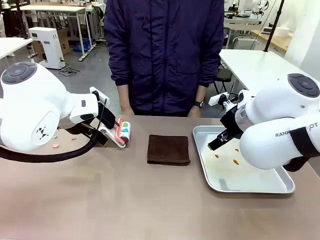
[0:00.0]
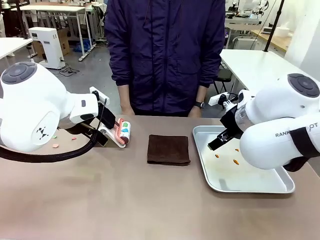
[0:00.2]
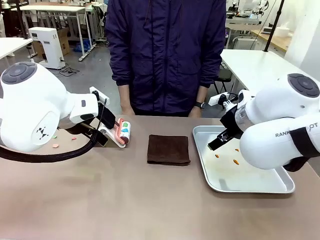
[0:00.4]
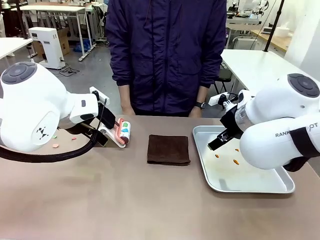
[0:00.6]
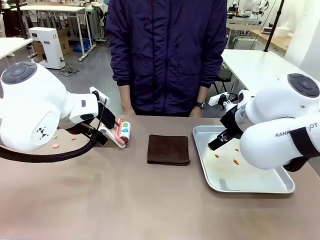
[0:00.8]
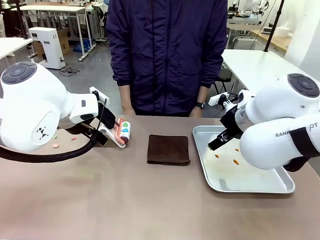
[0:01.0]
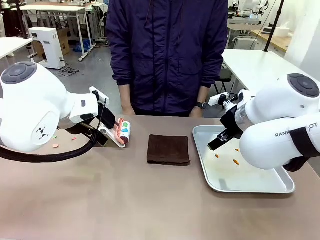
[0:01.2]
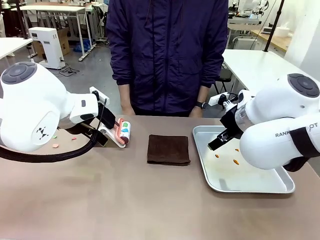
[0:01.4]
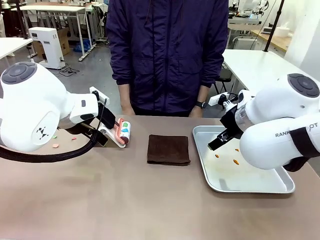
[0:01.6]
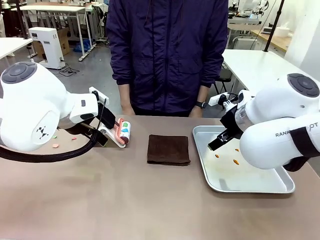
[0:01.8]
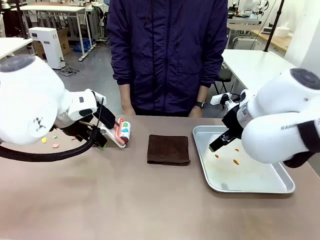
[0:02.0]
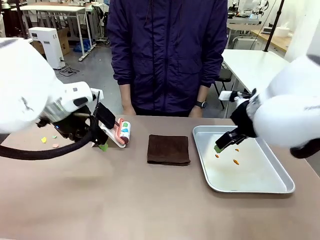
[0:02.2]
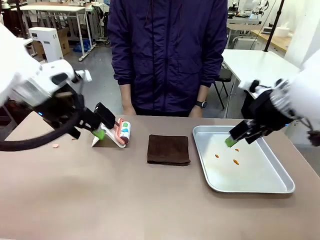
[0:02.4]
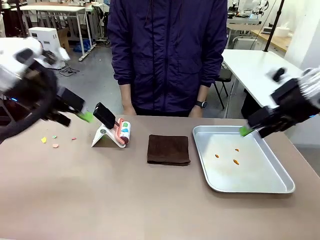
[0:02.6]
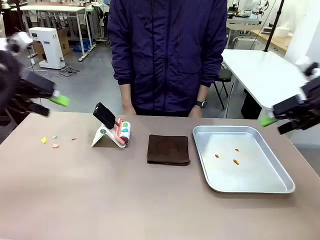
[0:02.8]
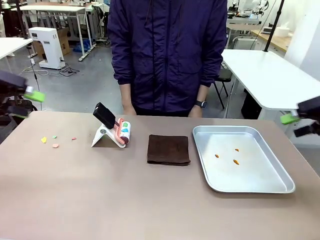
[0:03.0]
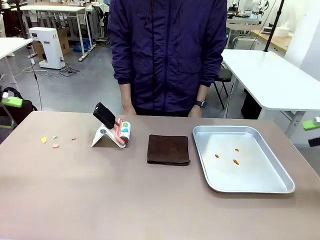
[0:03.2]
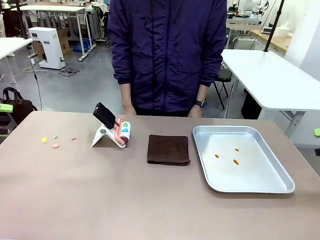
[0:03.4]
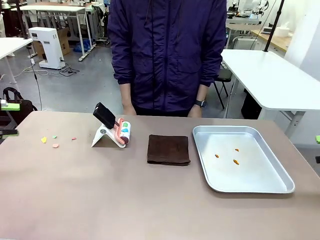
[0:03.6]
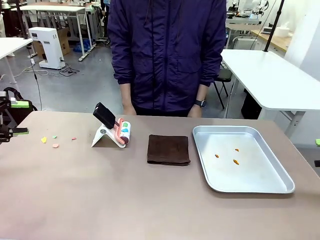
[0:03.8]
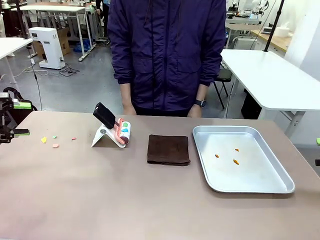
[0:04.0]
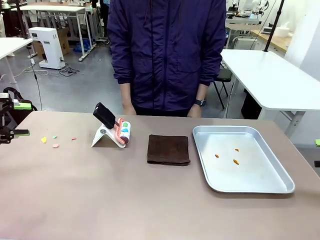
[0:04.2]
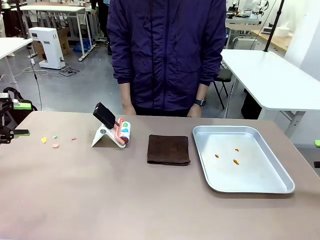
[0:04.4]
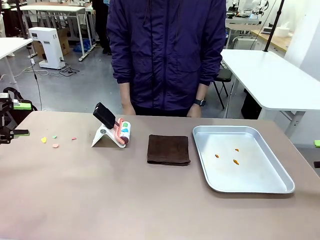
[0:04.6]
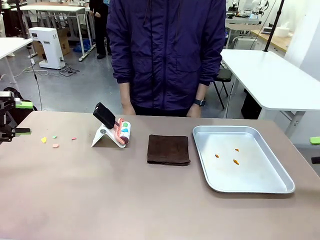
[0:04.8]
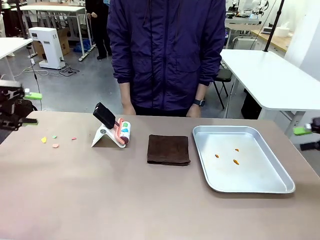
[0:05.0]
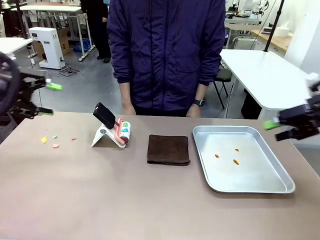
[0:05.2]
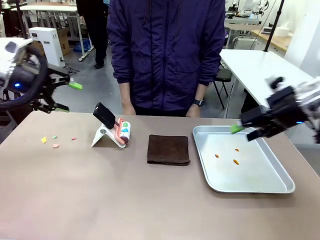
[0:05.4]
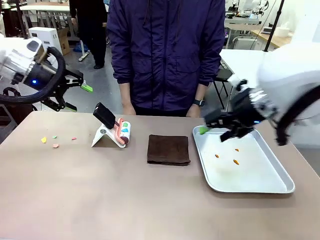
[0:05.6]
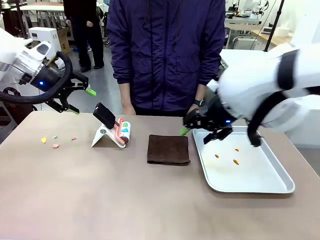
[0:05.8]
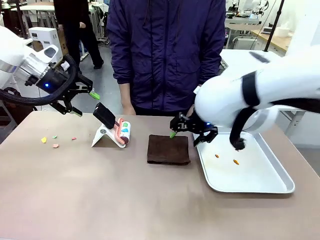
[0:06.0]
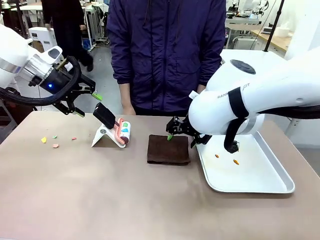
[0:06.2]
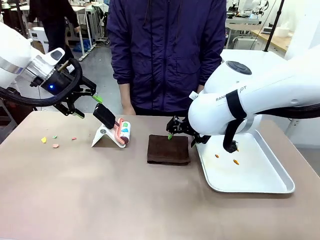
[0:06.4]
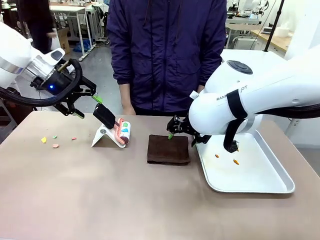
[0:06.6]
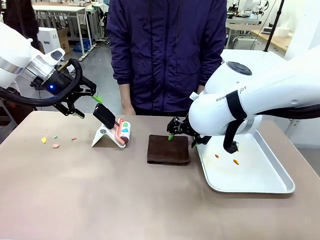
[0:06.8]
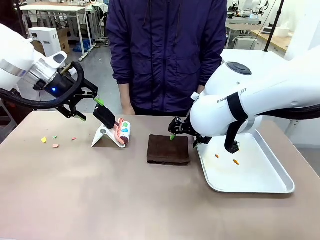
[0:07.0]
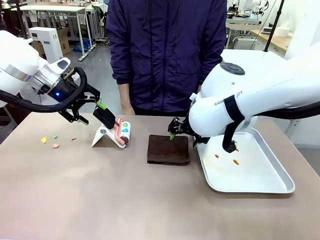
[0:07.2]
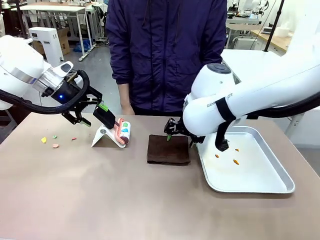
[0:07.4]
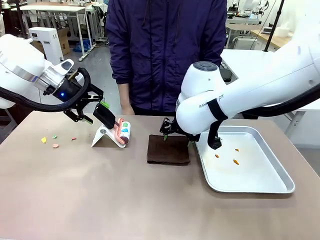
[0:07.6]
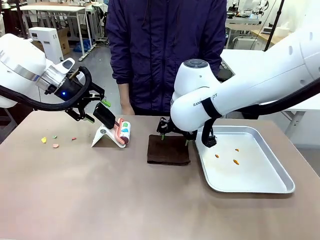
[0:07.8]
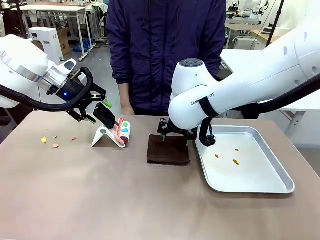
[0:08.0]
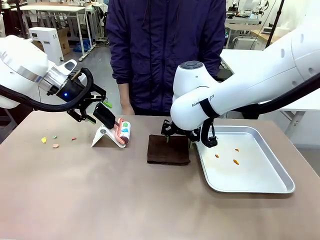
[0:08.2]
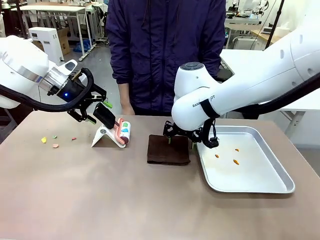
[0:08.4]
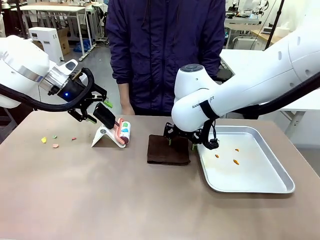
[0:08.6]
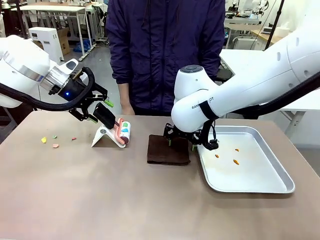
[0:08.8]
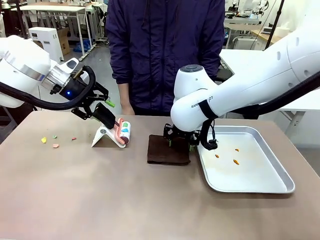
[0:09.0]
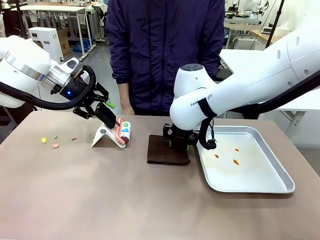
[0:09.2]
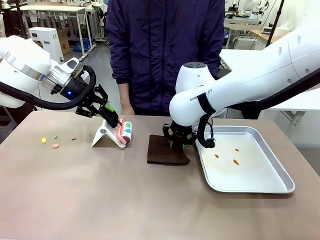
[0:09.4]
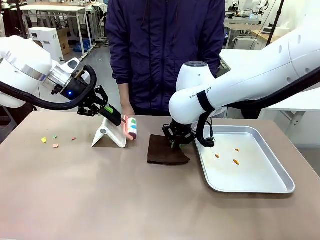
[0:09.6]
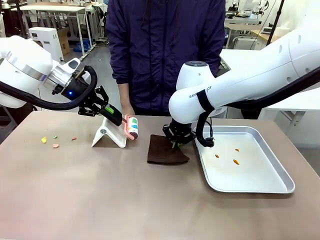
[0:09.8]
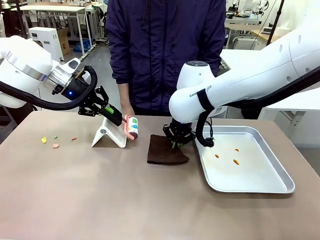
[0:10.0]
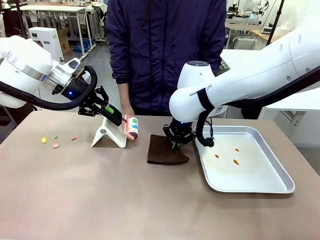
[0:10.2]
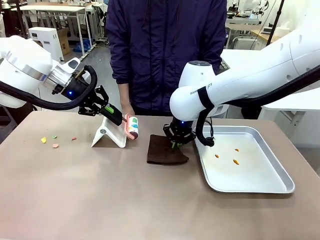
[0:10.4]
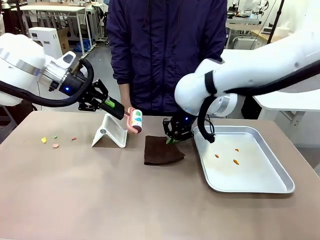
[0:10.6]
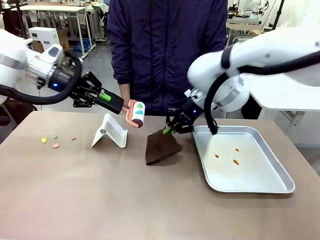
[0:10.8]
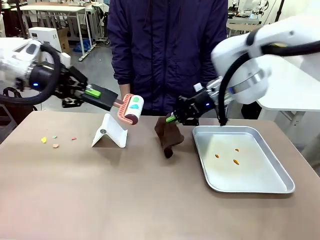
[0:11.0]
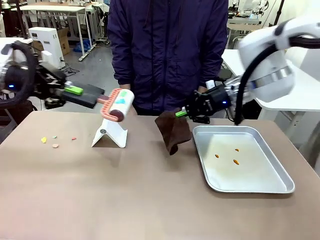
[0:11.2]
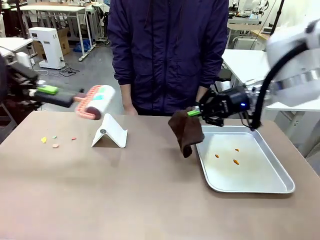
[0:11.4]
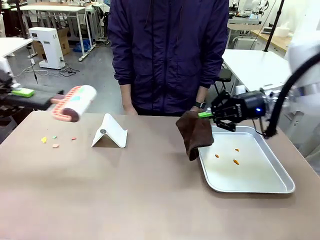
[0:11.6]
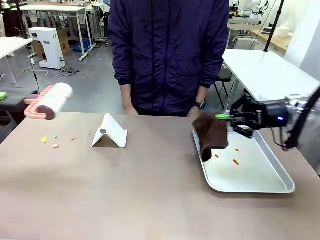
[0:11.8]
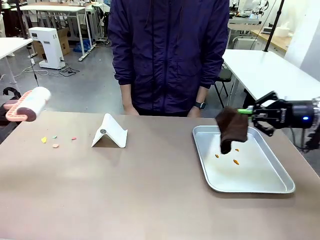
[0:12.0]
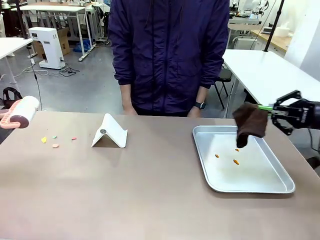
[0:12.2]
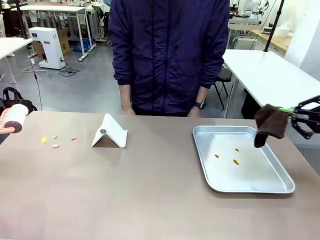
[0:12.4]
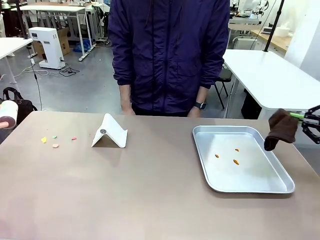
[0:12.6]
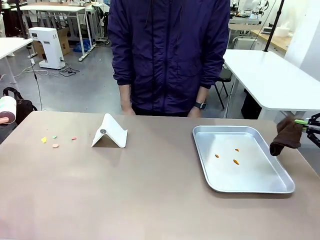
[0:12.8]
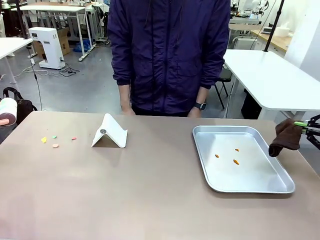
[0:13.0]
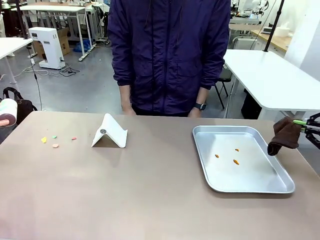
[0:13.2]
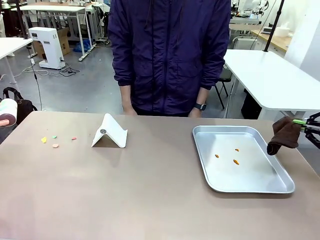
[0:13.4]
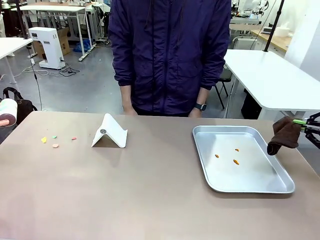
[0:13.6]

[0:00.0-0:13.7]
Task: Clean the surface of the table.
Robot: Hold the Lint Roller with your left hand and the towel with your right hand.

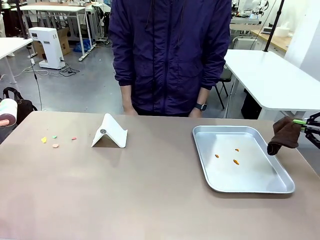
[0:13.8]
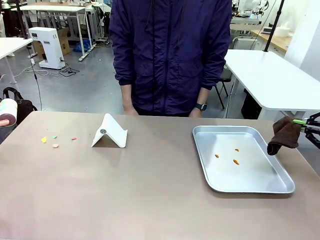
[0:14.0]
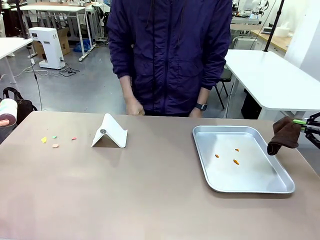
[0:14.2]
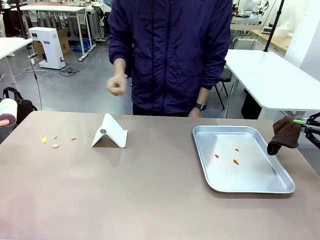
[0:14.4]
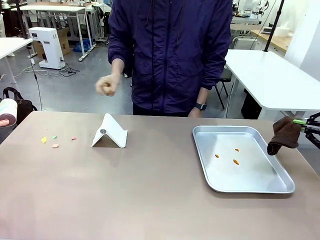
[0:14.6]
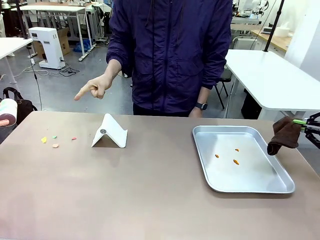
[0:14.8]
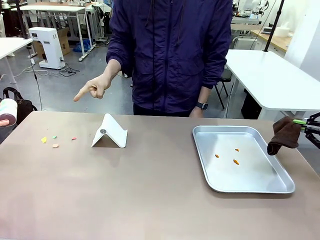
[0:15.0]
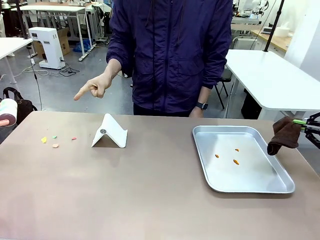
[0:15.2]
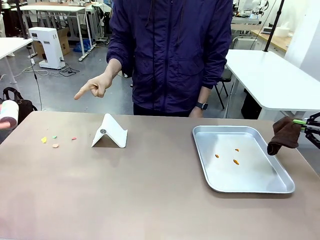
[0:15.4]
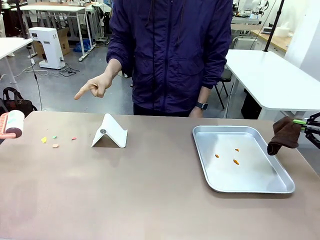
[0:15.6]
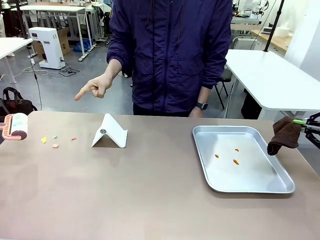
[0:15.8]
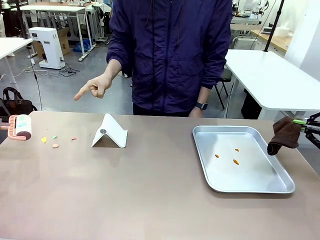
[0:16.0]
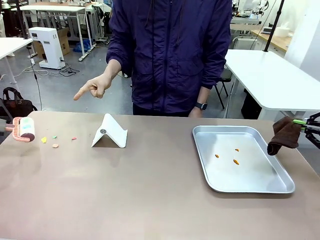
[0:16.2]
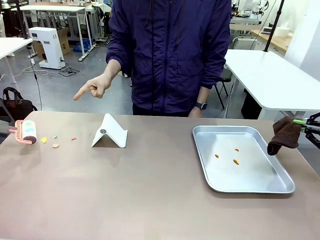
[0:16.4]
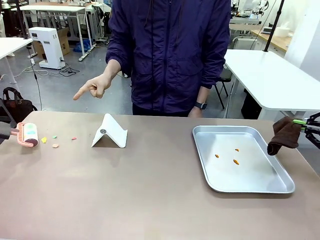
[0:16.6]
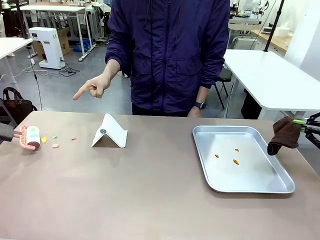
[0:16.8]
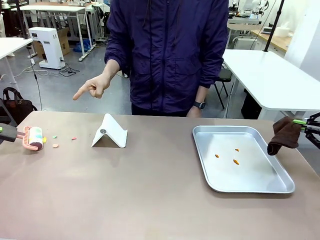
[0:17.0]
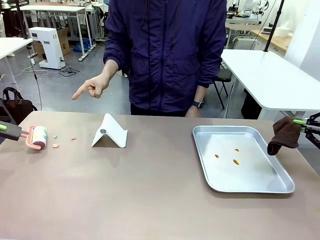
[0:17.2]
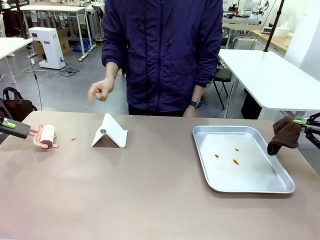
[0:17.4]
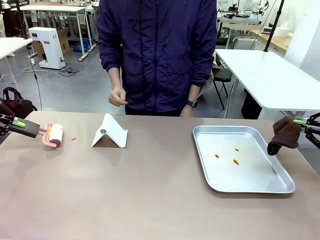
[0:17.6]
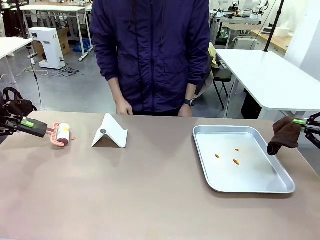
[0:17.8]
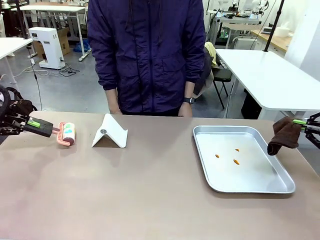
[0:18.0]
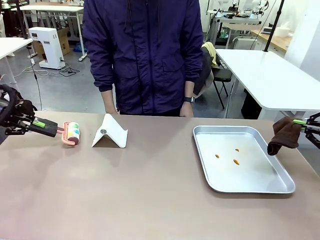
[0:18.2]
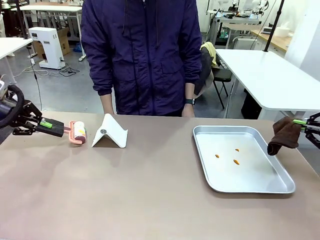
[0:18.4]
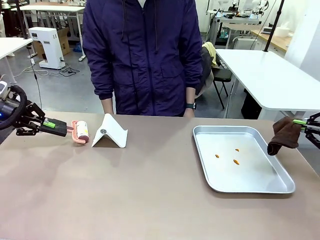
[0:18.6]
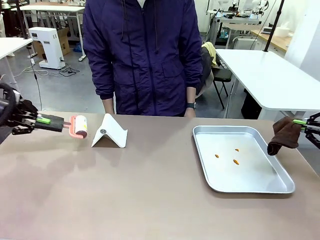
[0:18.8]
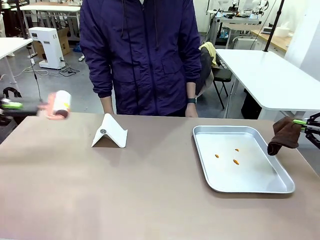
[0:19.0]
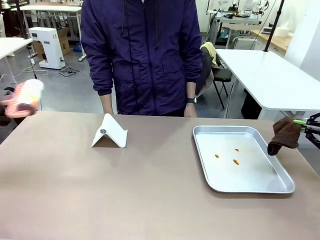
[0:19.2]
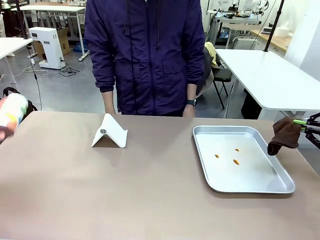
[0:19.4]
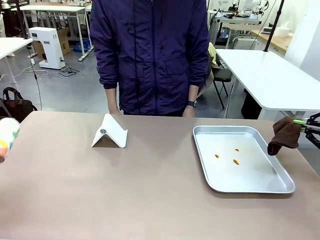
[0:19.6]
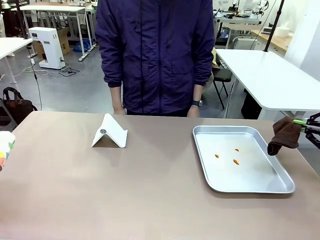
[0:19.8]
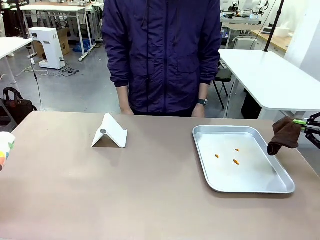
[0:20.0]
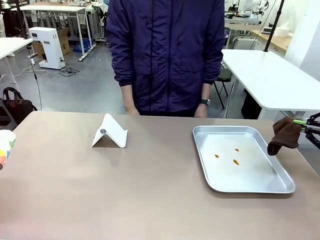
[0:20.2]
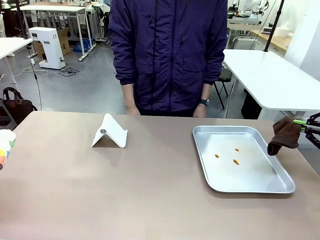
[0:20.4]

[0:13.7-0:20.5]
Robot: If a person points to the right, clean the right side of the table with your right hand, and if they point to the left, clean the left side with your left hand.
